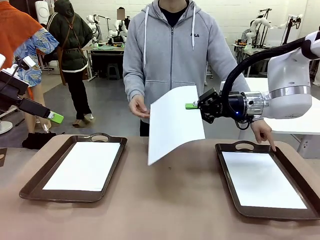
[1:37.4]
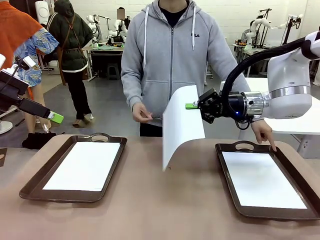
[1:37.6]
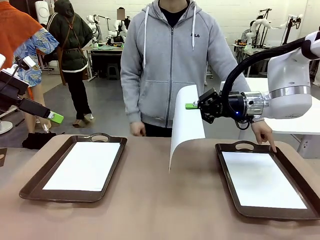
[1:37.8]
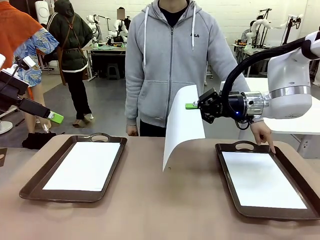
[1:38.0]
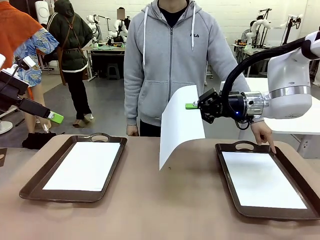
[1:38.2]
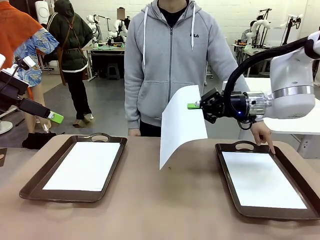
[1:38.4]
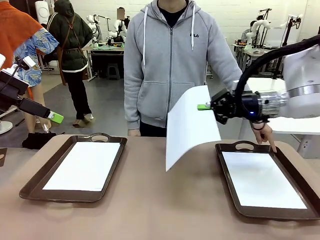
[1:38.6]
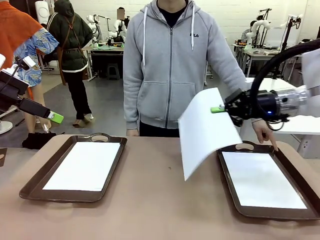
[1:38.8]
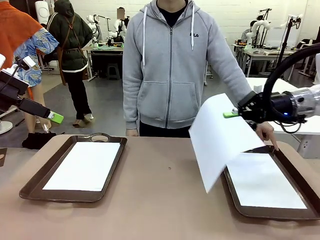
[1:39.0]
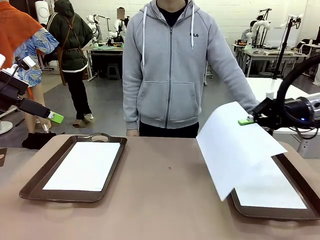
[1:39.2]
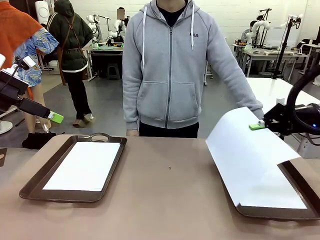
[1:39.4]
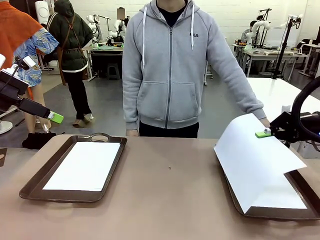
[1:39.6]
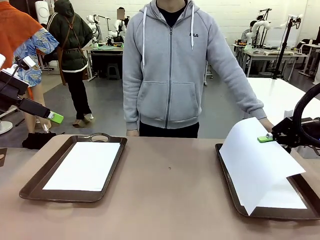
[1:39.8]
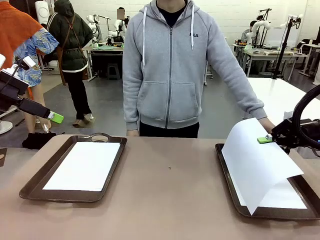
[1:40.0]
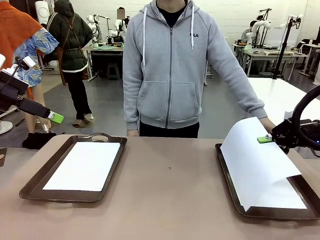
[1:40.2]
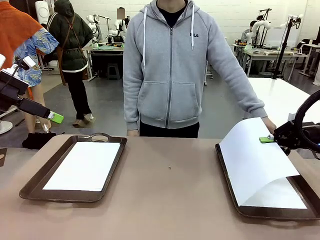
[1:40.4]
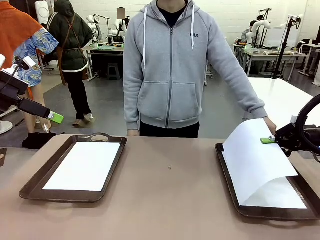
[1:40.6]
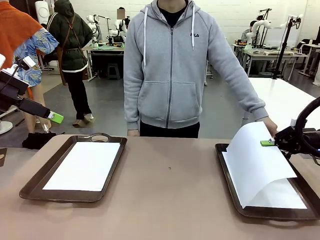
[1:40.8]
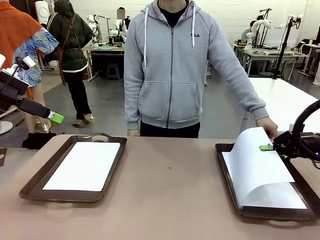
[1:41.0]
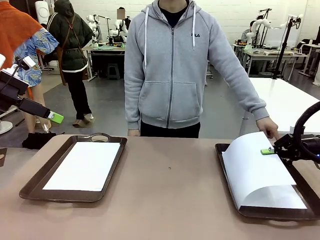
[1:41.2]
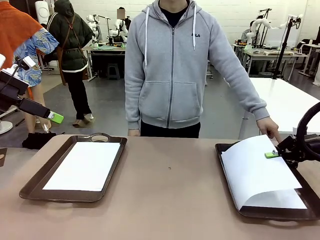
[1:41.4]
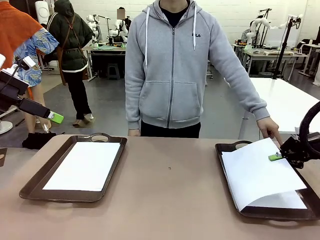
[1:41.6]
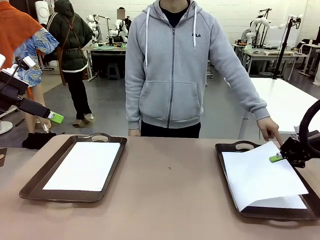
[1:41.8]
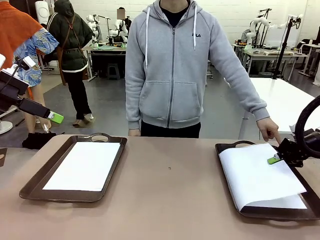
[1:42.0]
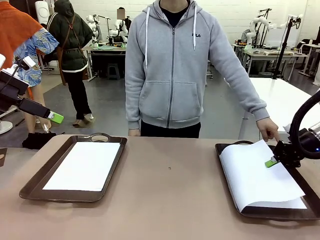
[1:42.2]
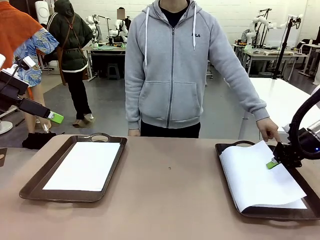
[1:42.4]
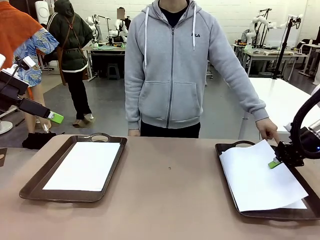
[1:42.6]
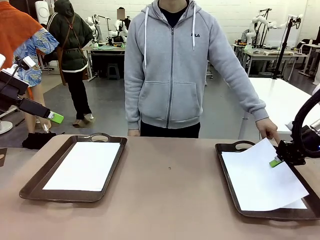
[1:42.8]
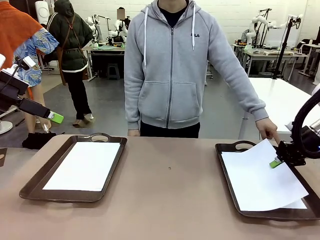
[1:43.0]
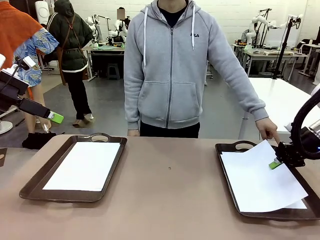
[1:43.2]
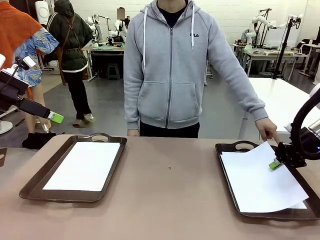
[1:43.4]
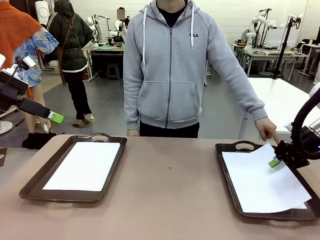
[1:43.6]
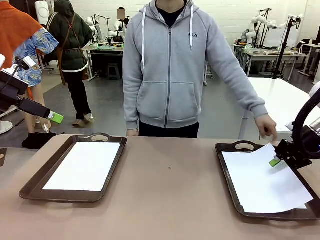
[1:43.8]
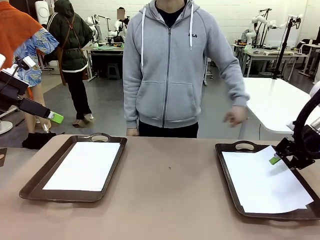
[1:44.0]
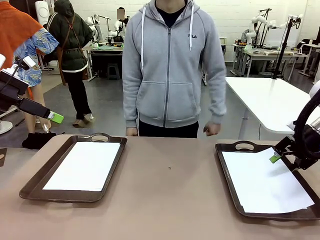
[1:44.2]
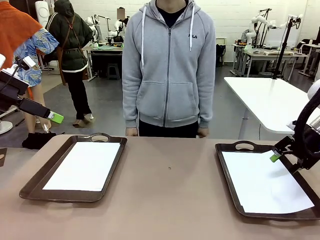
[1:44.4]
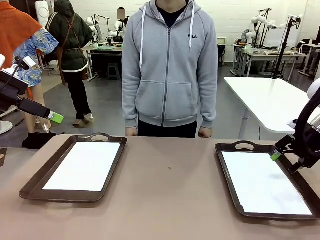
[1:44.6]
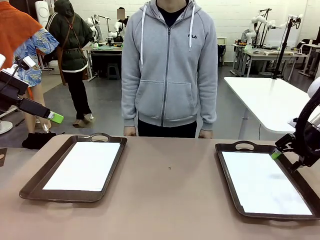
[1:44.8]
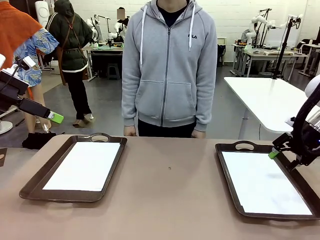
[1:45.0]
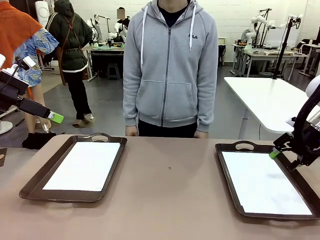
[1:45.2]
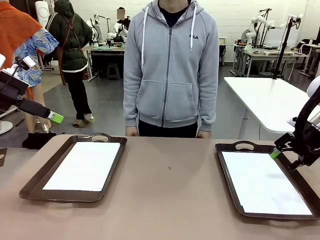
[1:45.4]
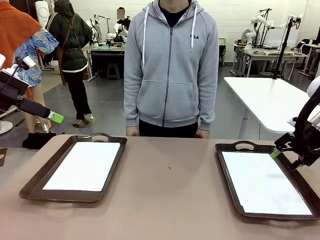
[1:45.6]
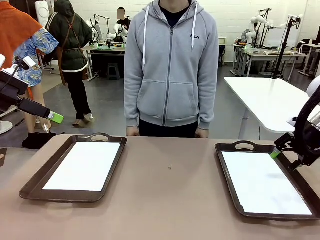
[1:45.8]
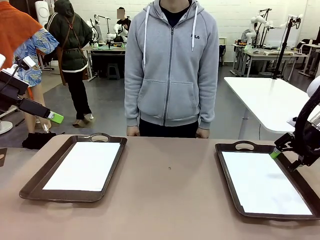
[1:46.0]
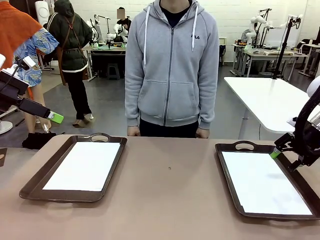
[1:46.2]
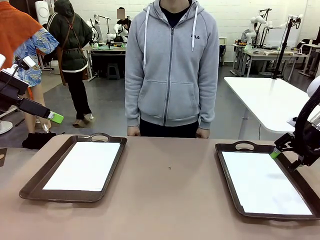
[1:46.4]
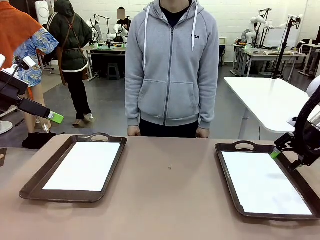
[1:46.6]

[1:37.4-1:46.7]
Task: Sort the A4 documents.
Robot: Place the A4 Paper in the designated Handle tray.

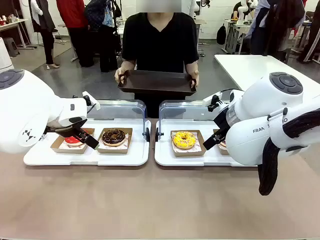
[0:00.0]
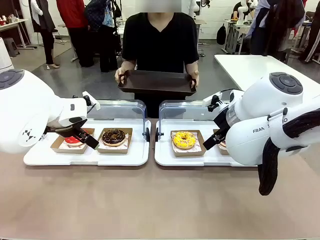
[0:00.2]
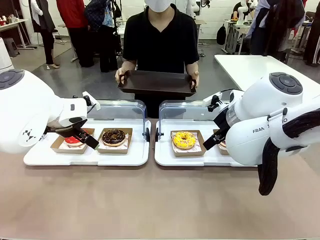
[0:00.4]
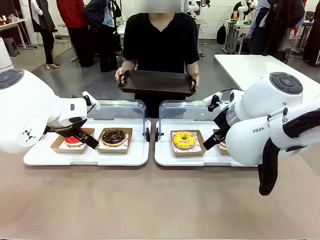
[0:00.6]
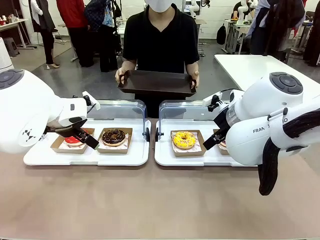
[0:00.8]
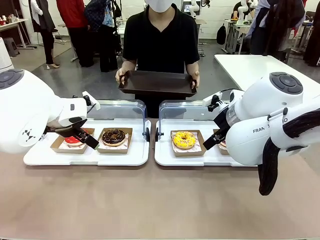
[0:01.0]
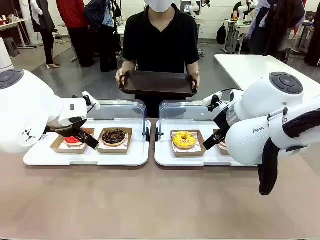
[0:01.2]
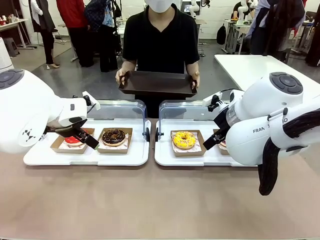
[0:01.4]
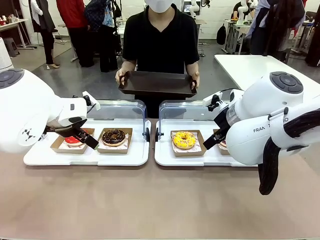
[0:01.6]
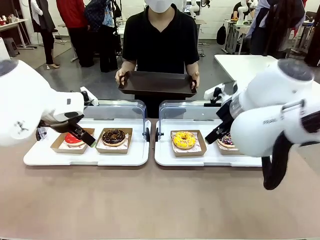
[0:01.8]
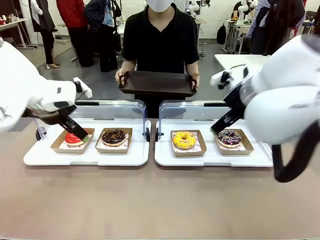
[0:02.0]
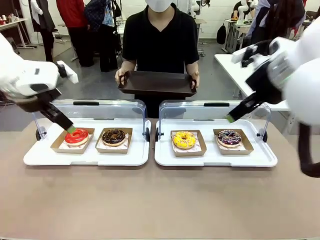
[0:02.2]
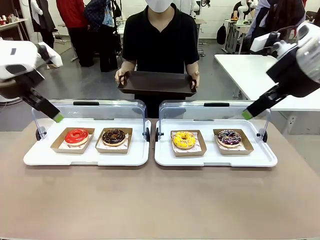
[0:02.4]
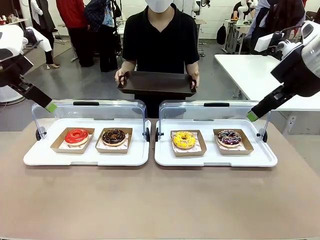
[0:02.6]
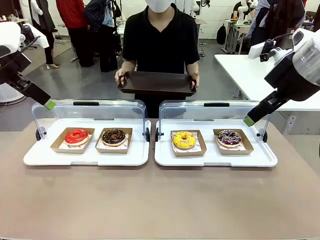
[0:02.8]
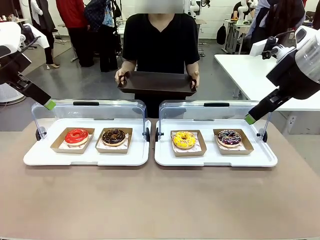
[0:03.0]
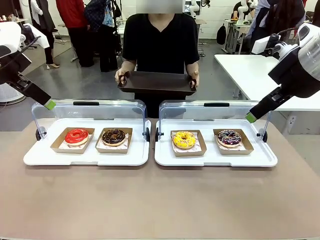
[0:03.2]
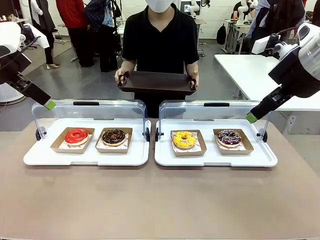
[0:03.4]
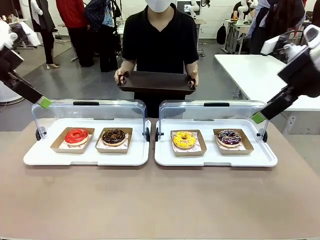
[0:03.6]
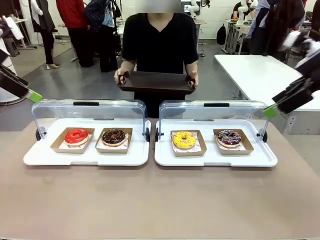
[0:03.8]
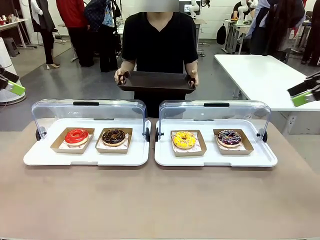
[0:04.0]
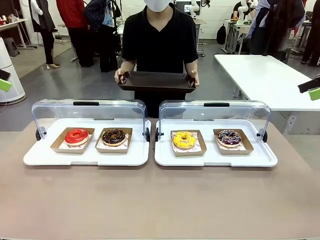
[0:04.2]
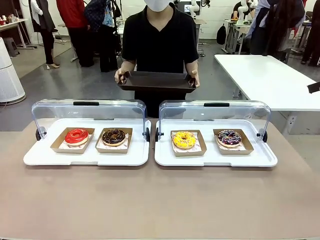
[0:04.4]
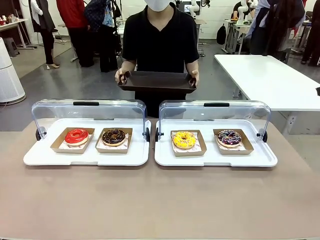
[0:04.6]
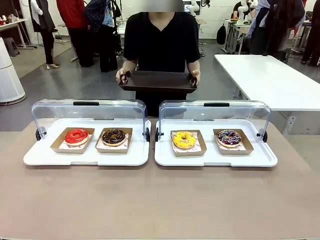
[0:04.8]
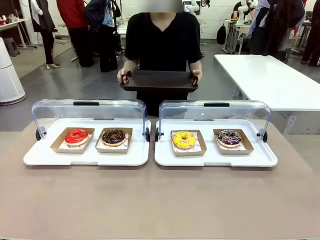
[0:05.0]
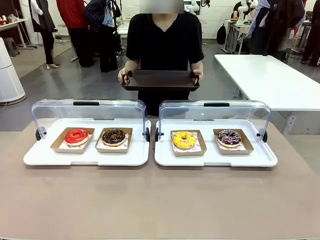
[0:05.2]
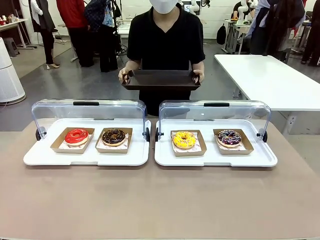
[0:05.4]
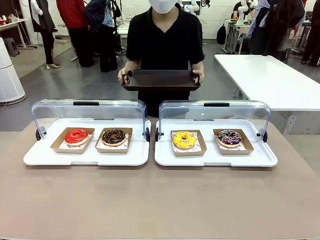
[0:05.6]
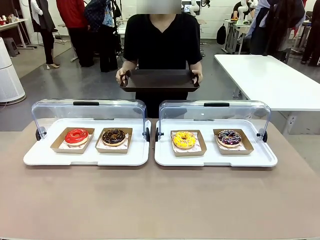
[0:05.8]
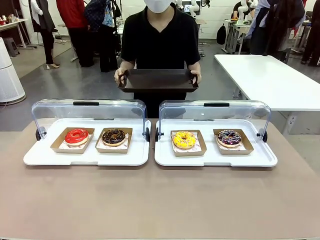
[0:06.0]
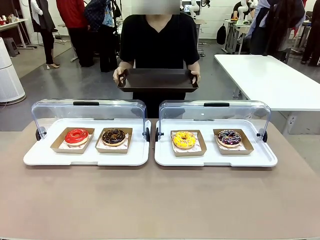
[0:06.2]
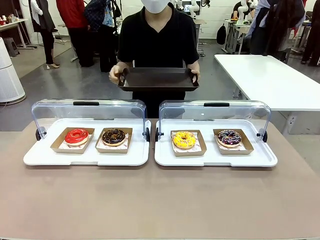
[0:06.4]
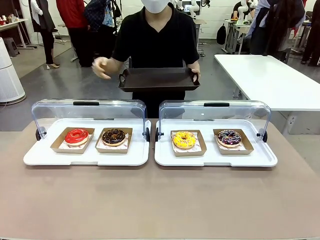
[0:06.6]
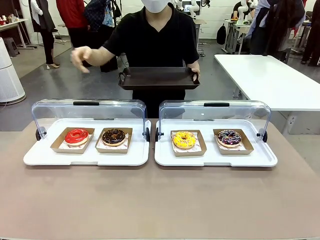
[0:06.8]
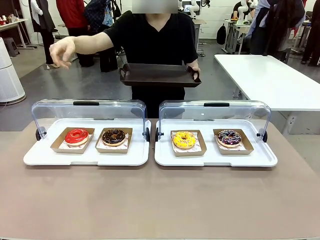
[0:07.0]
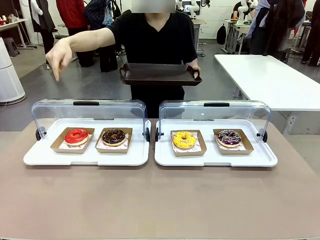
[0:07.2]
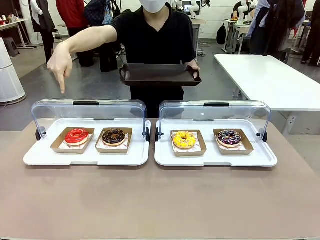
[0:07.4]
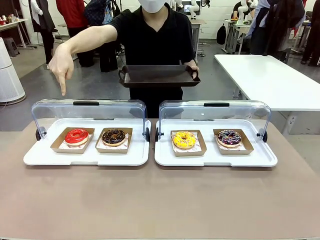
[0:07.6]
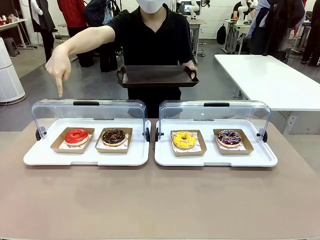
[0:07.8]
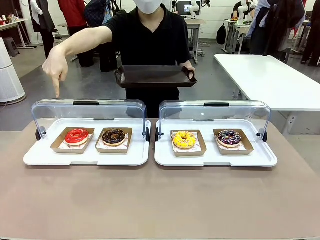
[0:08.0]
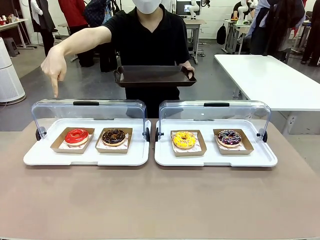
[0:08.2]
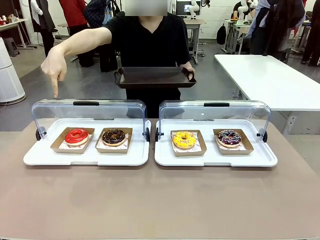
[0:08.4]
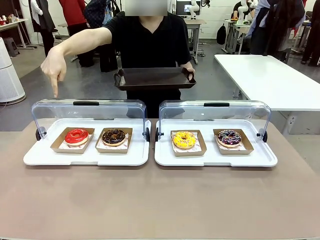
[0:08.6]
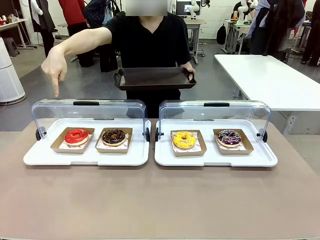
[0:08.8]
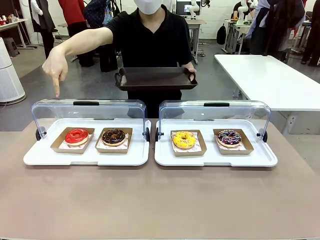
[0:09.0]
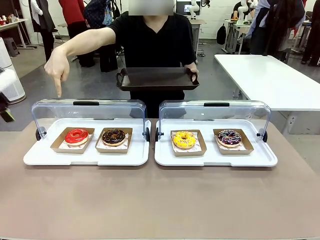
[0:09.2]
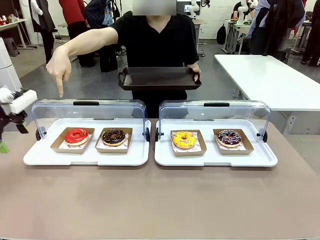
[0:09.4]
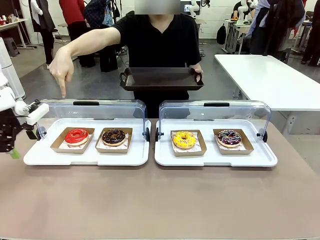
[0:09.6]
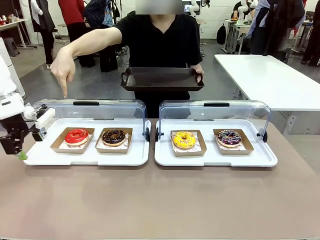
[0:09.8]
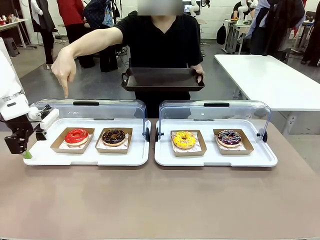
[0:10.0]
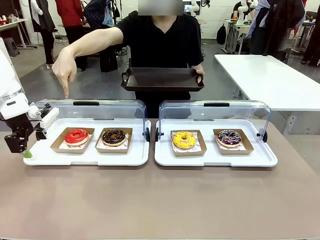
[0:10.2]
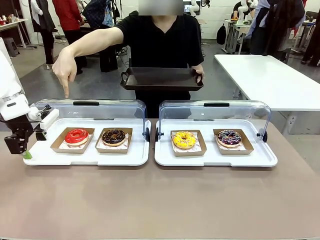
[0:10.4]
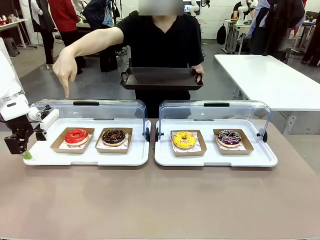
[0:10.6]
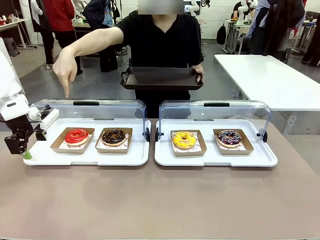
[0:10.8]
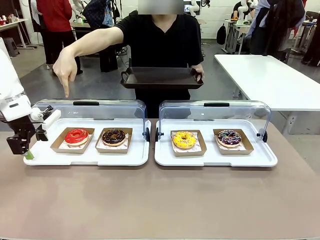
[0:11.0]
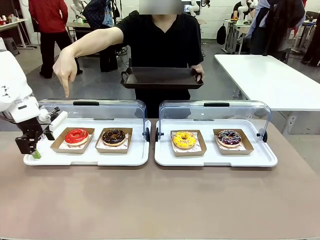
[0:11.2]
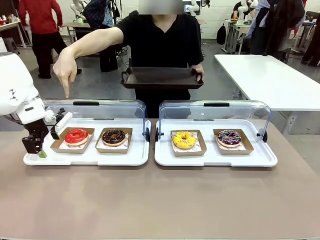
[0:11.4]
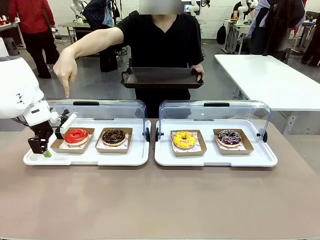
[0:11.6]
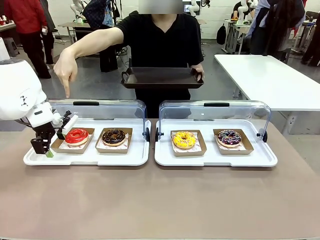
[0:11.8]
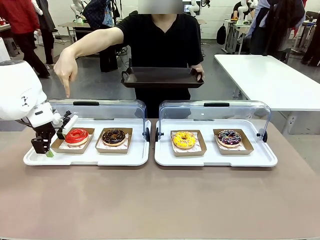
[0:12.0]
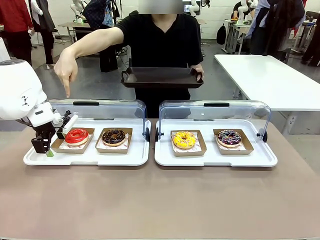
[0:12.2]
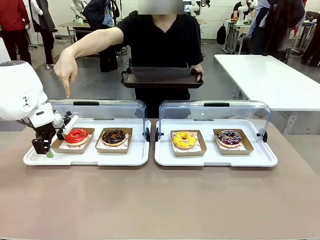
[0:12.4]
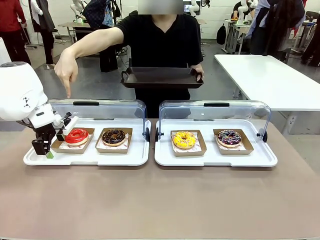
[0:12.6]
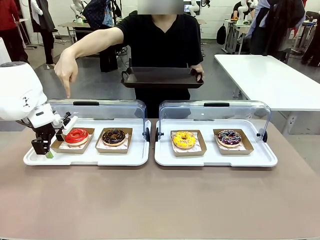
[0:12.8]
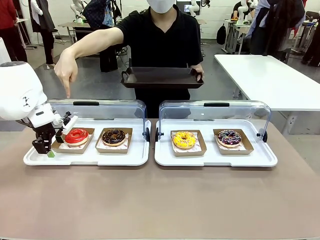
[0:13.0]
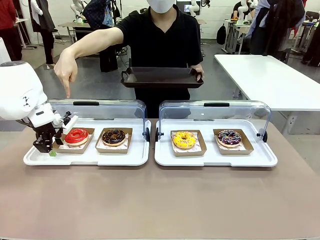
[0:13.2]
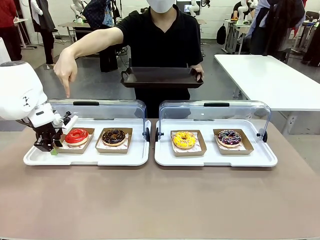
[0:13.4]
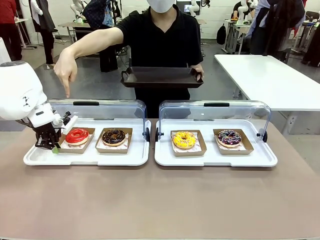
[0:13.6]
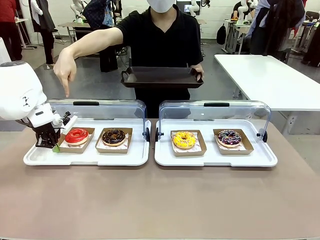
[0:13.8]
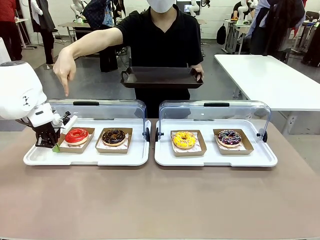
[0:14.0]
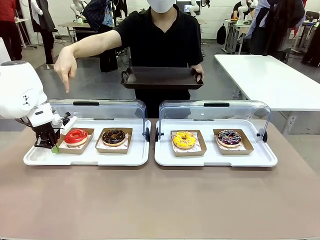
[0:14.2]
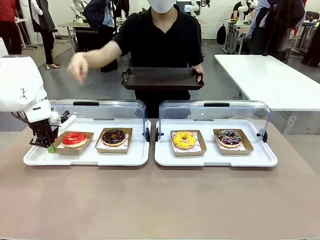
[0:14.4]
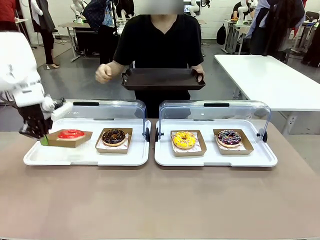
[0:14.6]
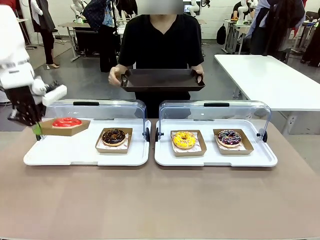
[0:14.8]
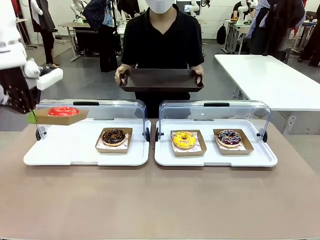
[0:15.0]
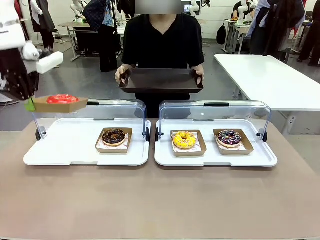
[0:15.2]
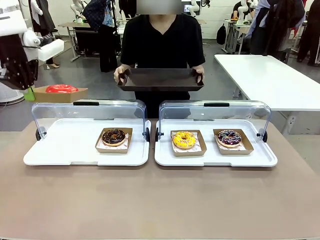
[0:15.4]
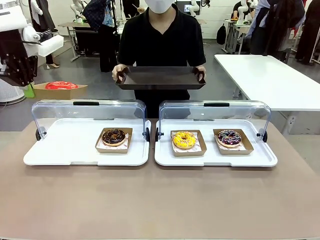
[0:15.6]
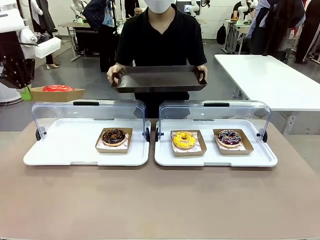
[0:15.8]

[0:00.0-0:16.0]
Task: Provide the desired donut to the person.
Robot: Pick up and lift the Paper togo box containing the Donut pointed at by the person.
Person: Point to one donut. Lift the tray onto the Roll-Top Bakery Case.
